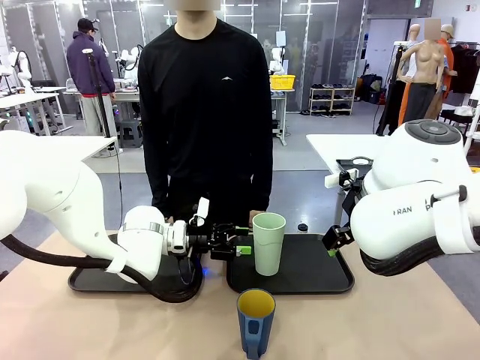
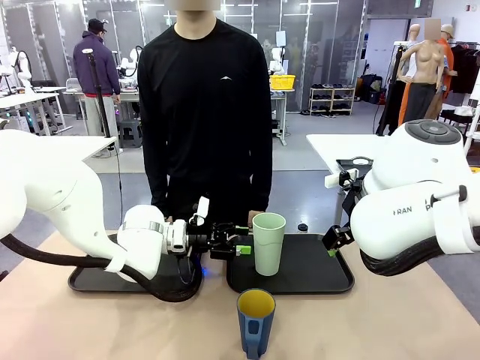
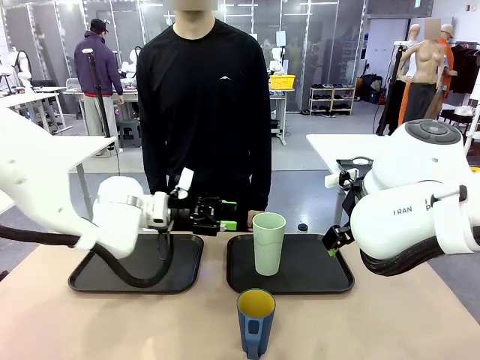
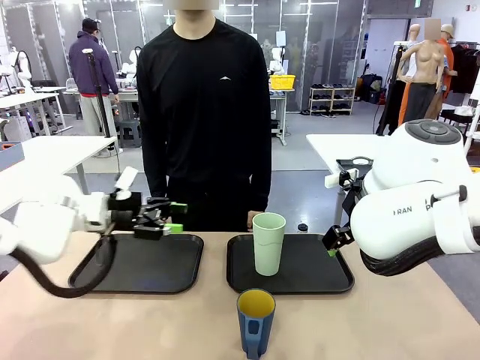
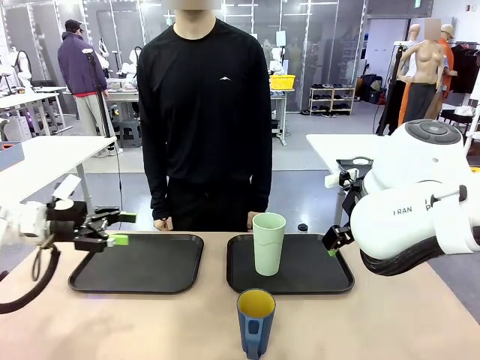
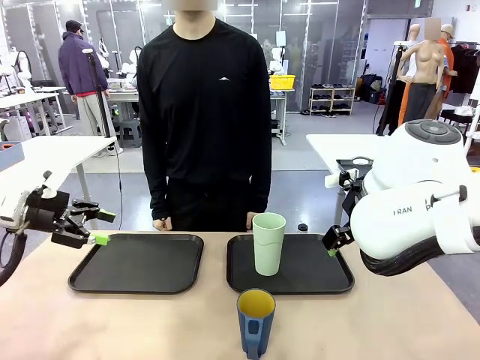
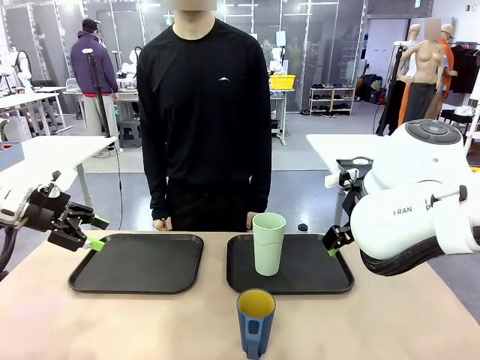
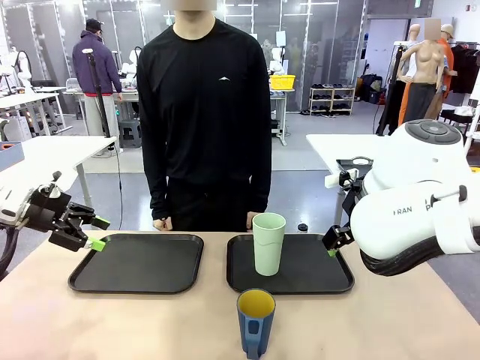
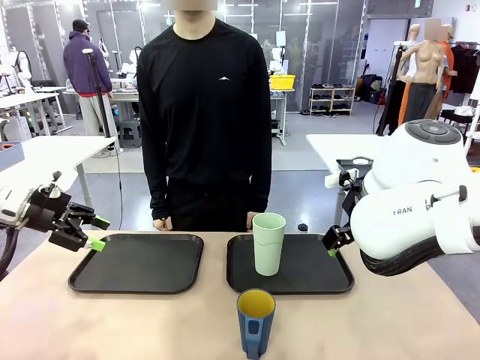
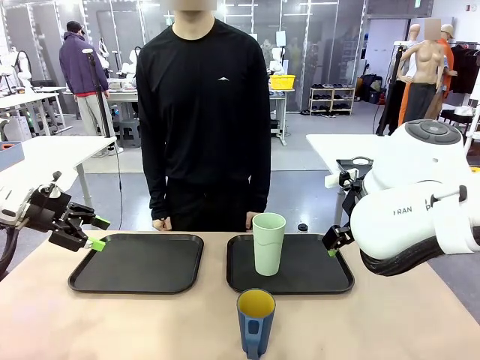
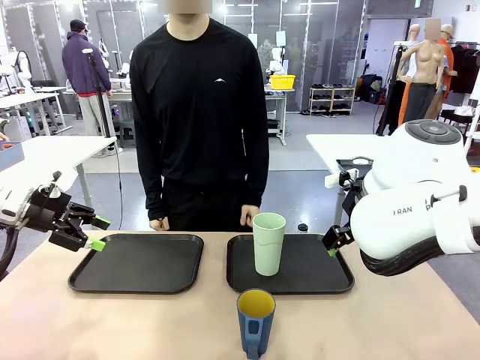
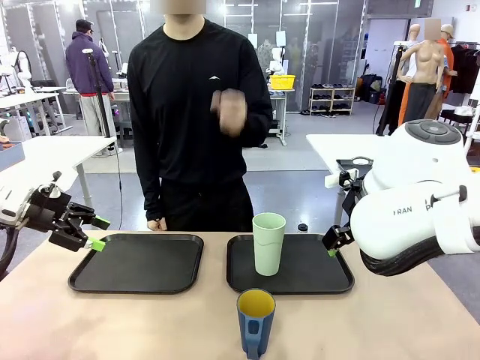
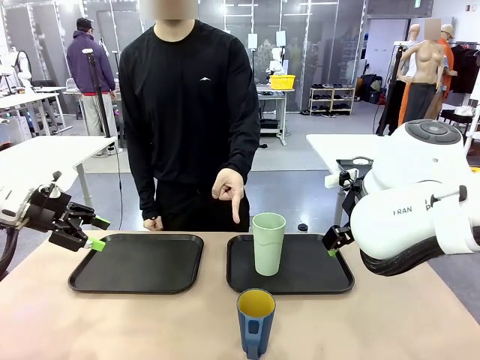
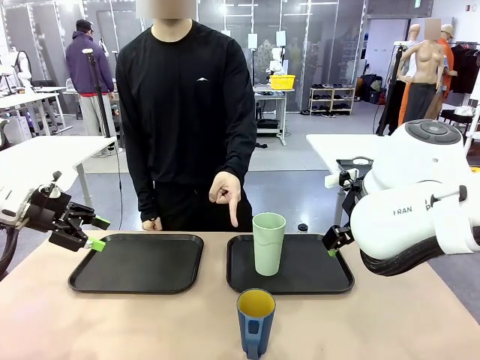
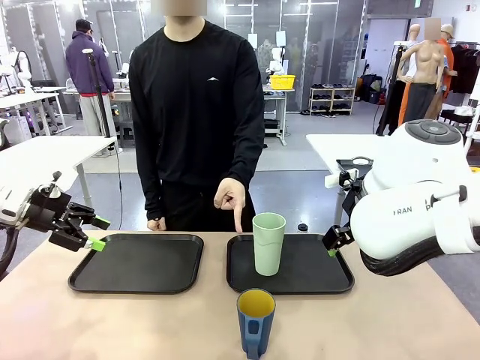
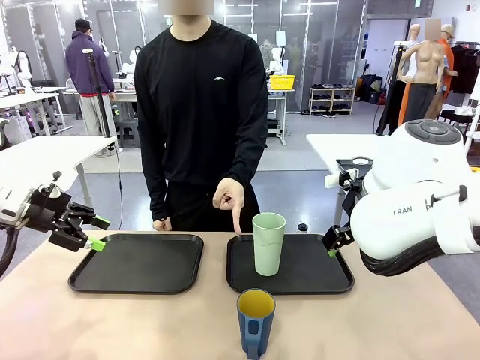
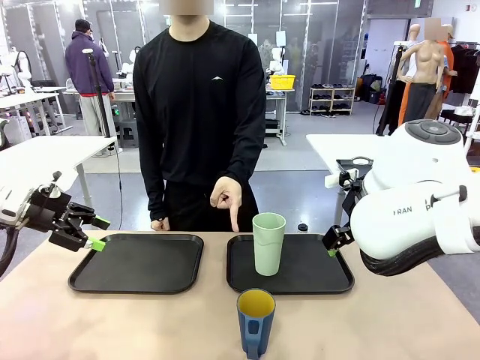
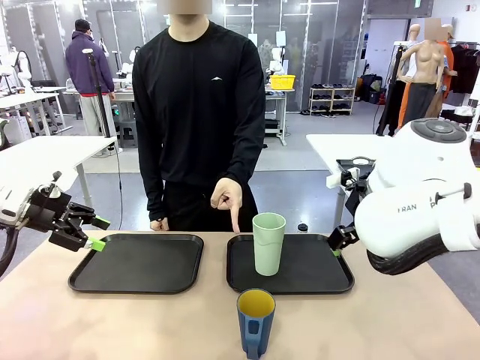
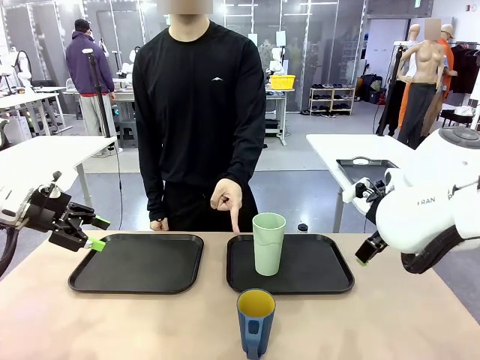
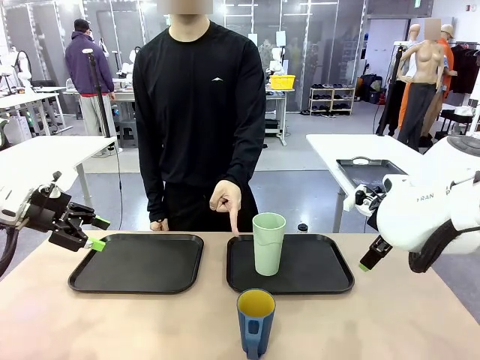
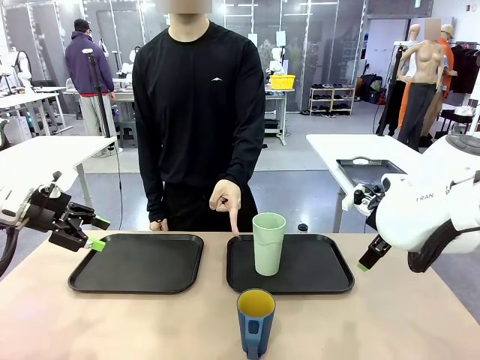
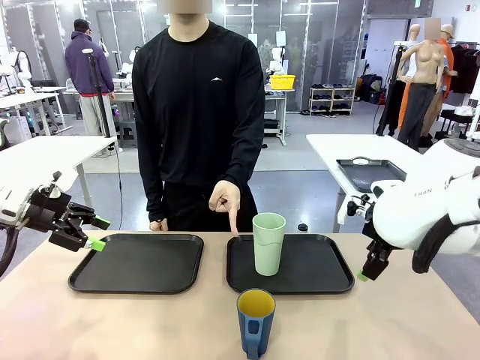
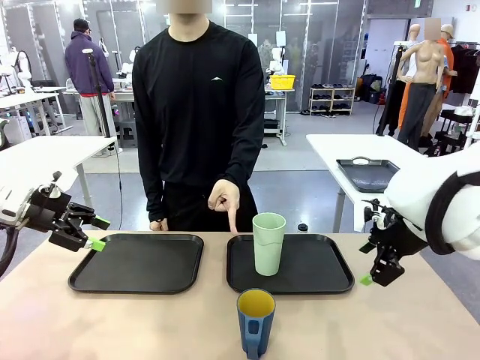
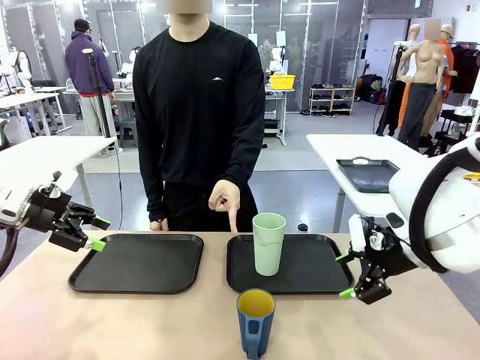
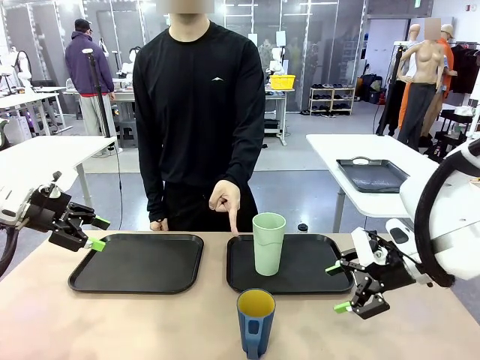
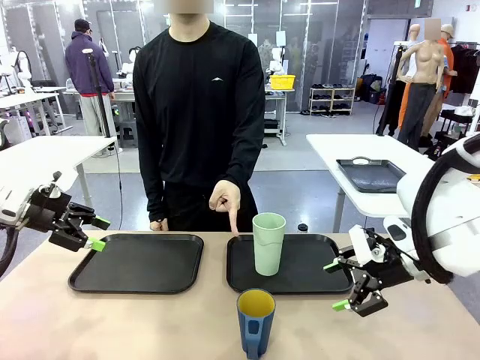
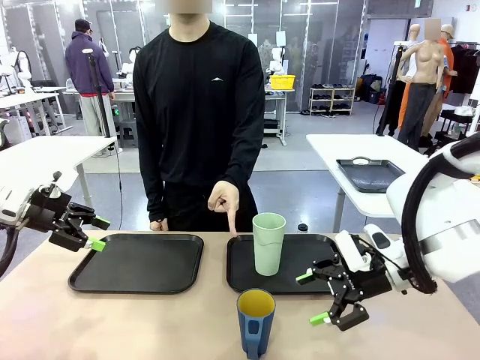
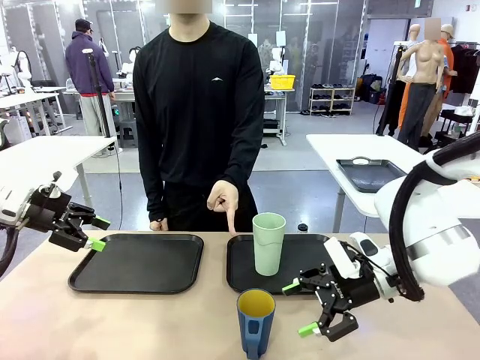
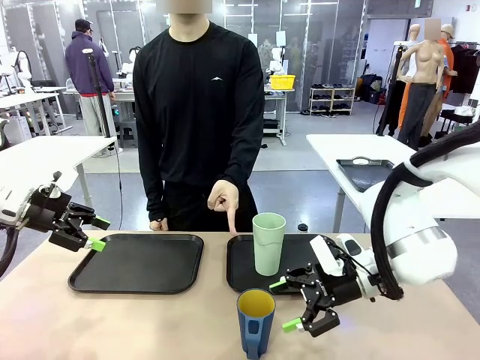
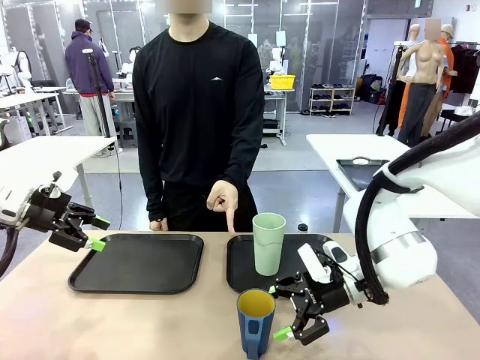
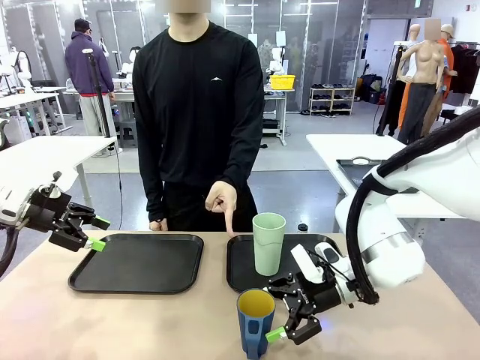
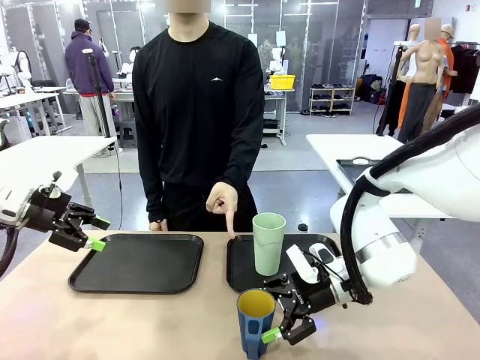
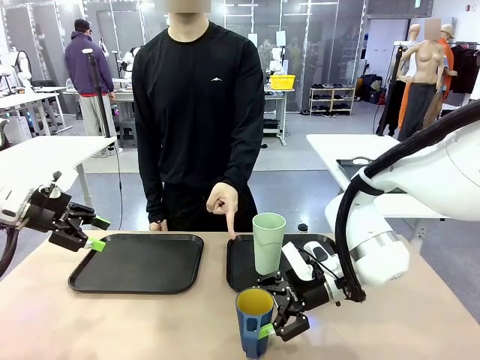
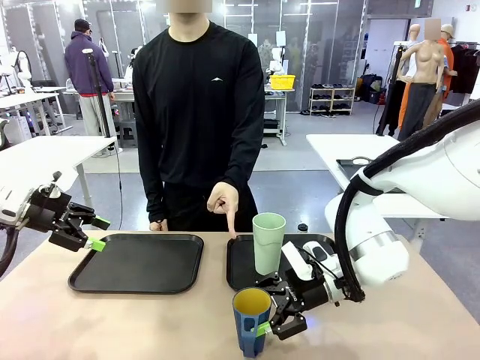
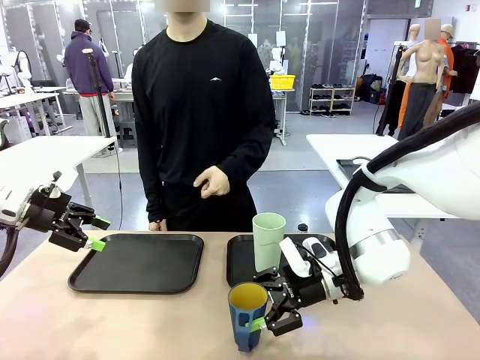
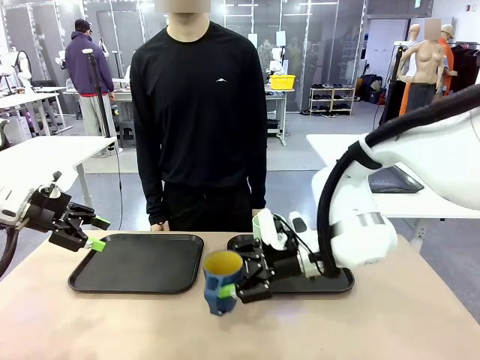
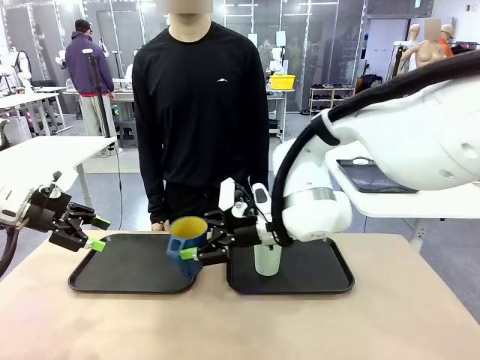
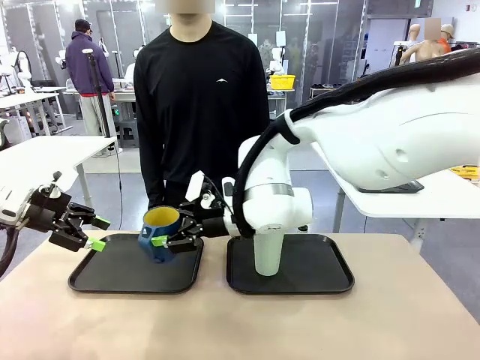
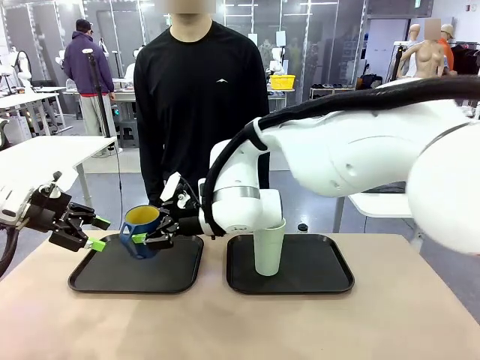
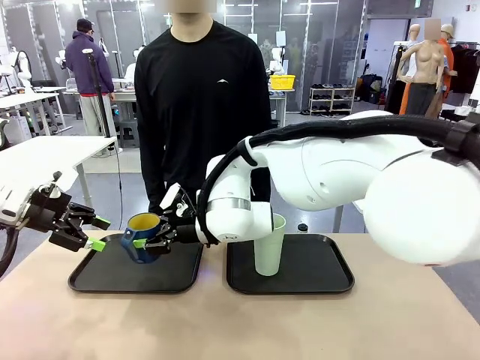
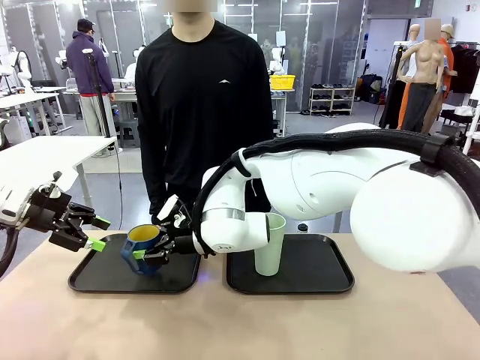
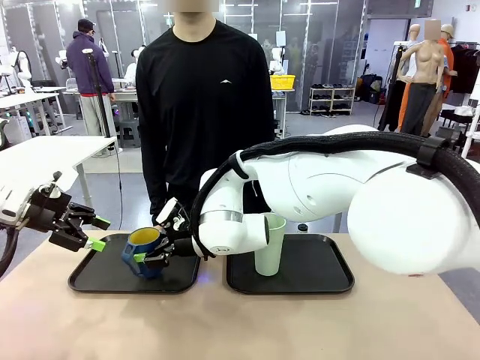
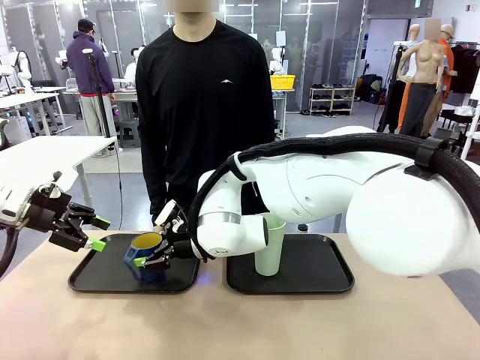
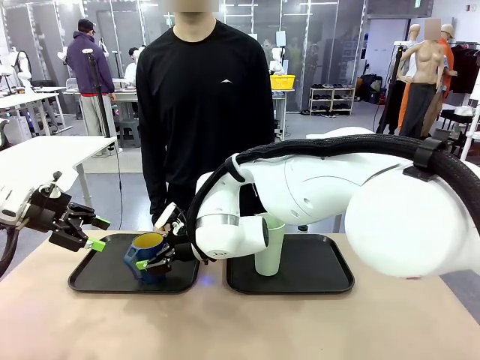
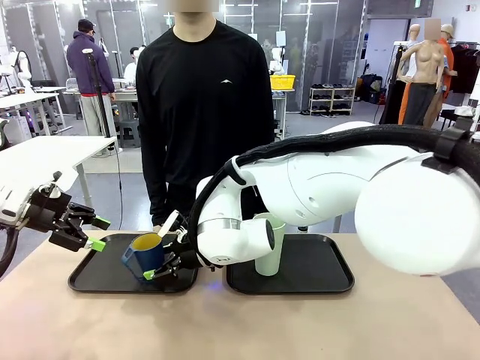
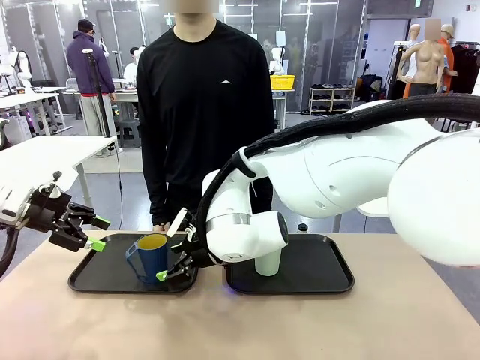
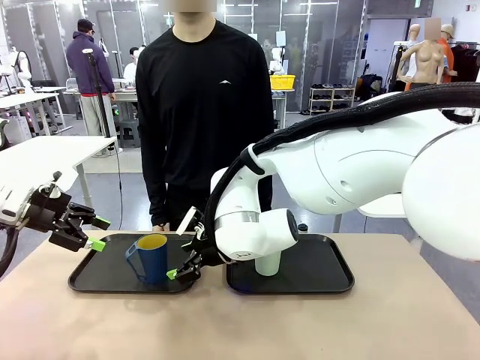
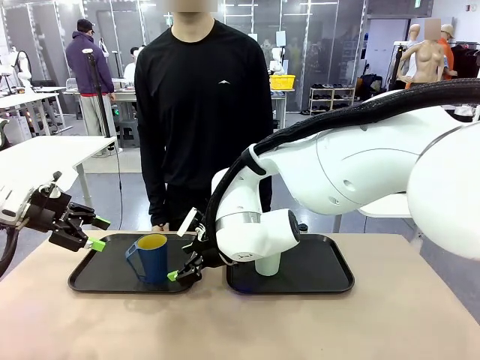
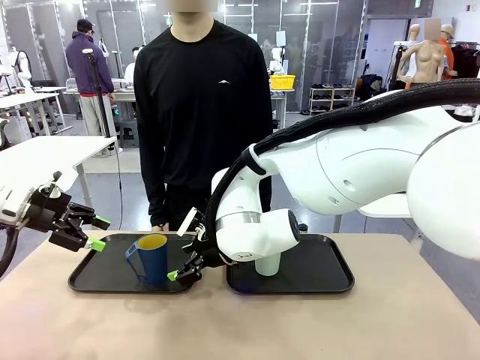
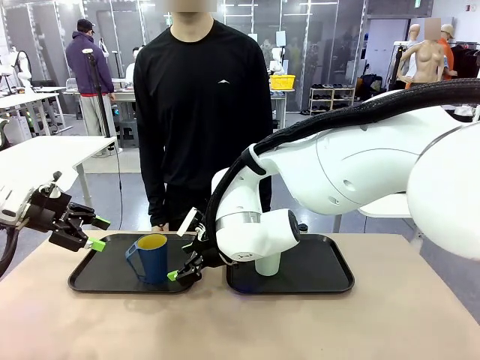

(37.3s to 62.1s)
Task: Sort and store the cups by type.
Robot: Pick up the Handle plastic cup and place it into the empty Flat Tray.
Person: Points to the cup with a handle.
